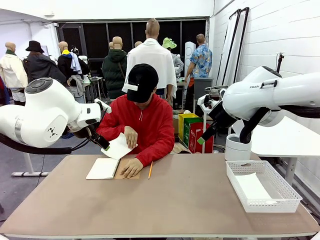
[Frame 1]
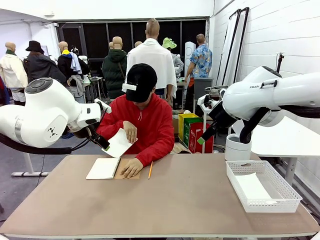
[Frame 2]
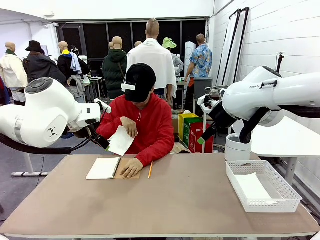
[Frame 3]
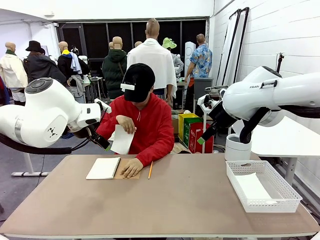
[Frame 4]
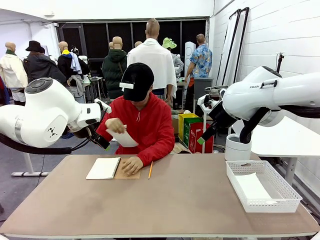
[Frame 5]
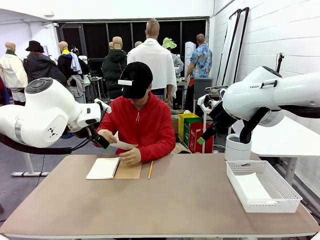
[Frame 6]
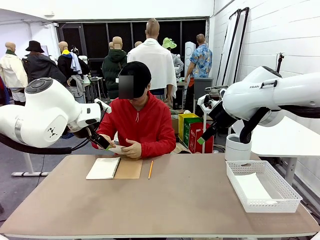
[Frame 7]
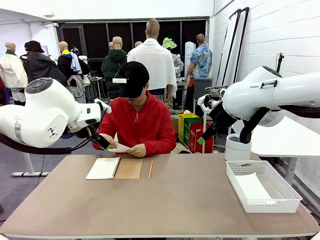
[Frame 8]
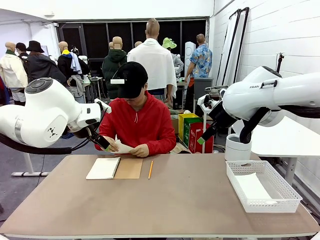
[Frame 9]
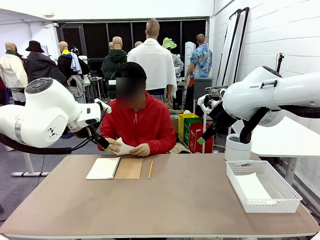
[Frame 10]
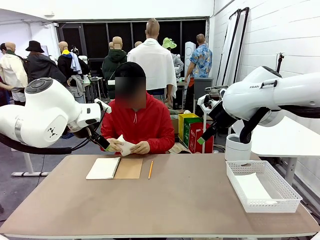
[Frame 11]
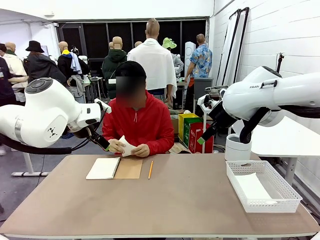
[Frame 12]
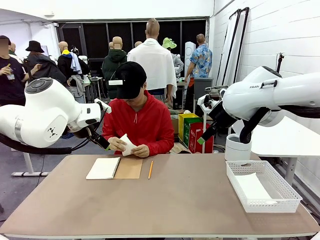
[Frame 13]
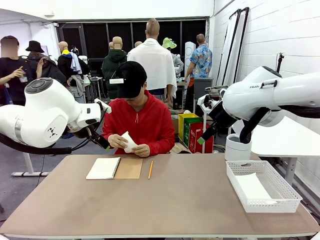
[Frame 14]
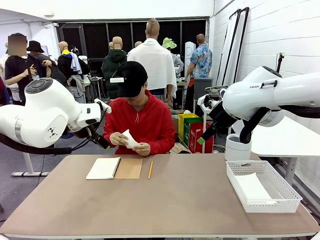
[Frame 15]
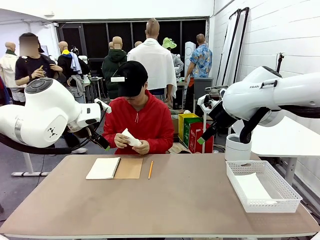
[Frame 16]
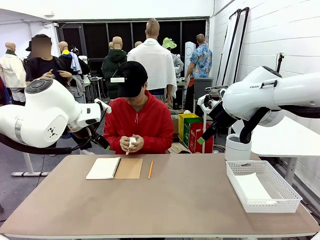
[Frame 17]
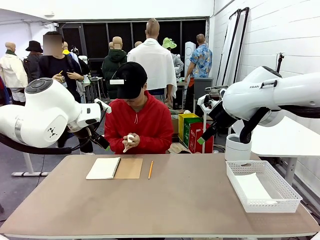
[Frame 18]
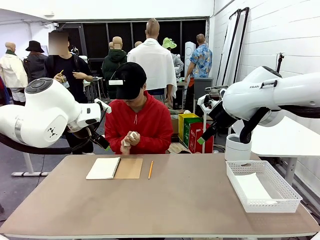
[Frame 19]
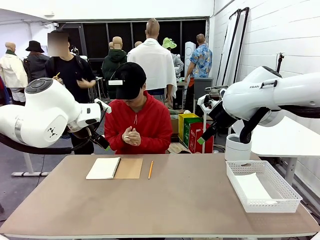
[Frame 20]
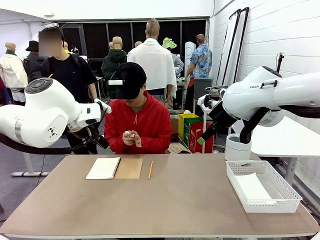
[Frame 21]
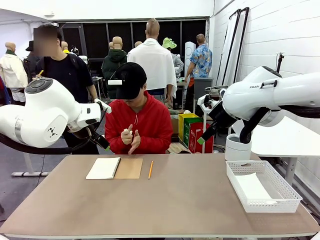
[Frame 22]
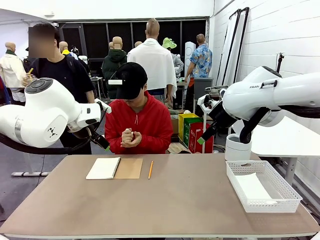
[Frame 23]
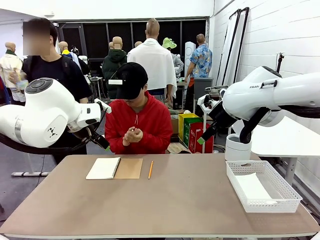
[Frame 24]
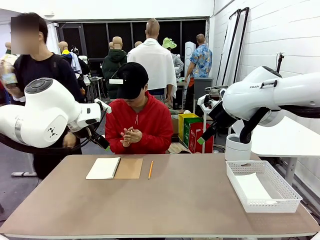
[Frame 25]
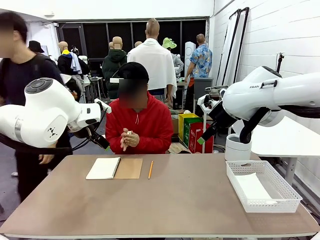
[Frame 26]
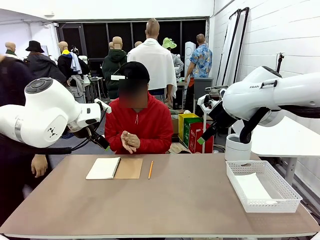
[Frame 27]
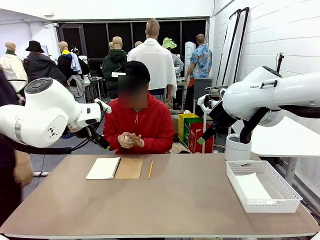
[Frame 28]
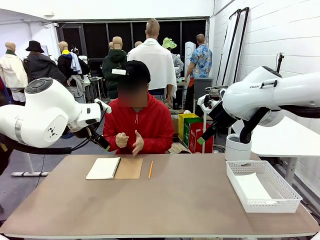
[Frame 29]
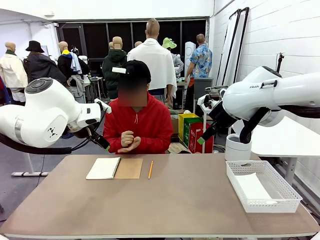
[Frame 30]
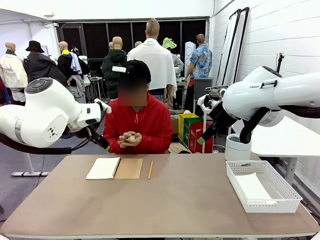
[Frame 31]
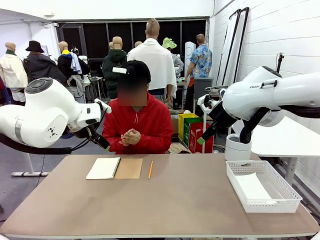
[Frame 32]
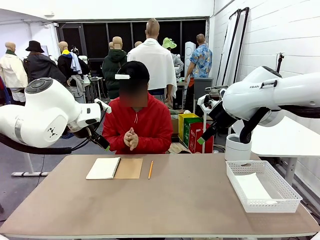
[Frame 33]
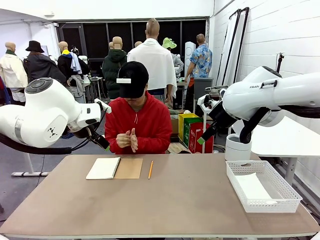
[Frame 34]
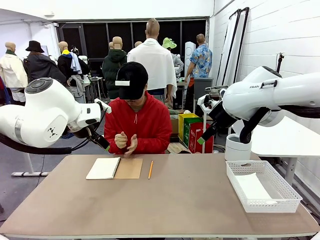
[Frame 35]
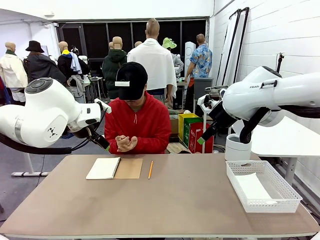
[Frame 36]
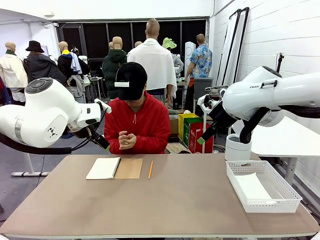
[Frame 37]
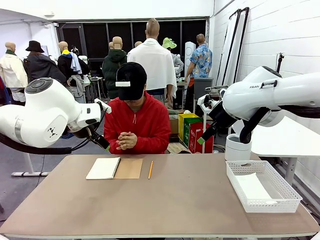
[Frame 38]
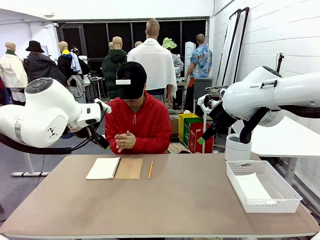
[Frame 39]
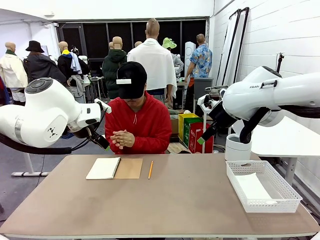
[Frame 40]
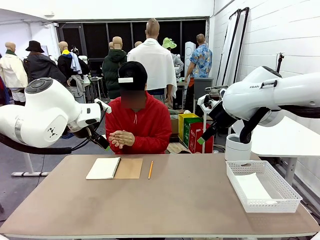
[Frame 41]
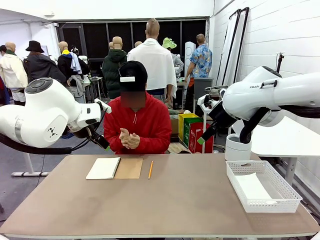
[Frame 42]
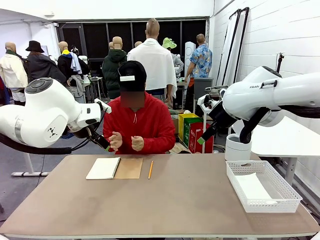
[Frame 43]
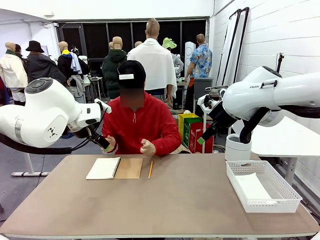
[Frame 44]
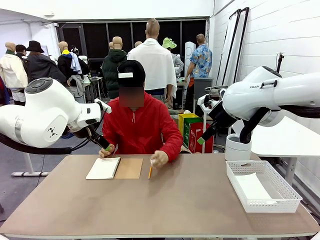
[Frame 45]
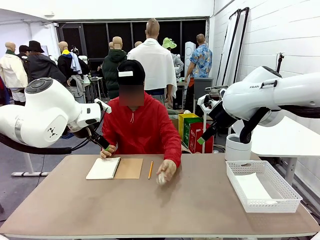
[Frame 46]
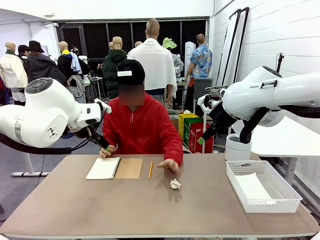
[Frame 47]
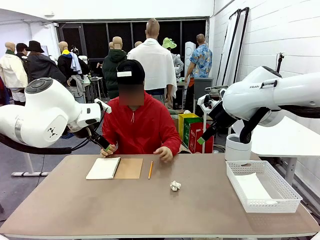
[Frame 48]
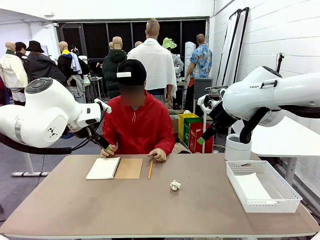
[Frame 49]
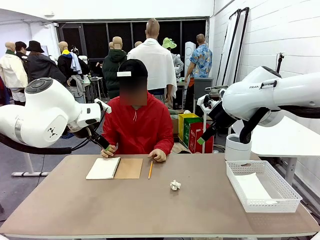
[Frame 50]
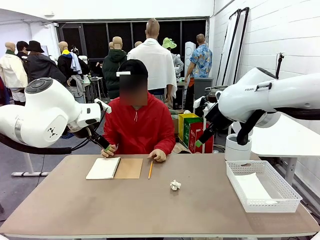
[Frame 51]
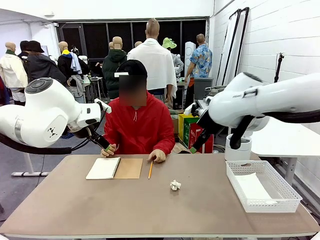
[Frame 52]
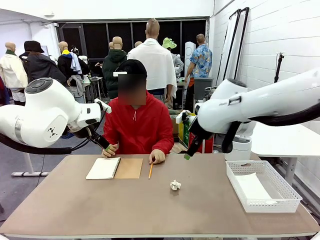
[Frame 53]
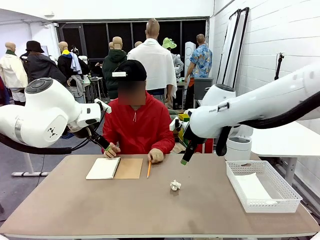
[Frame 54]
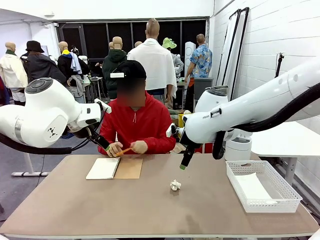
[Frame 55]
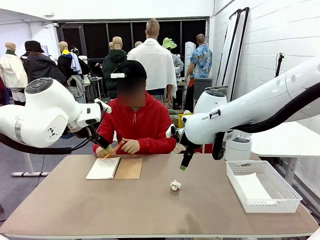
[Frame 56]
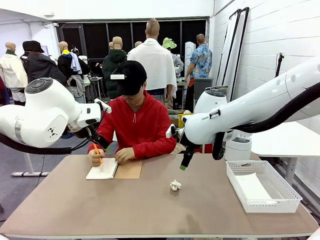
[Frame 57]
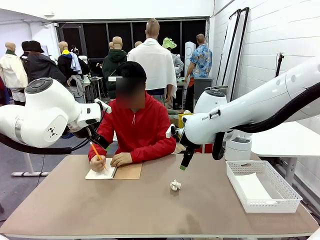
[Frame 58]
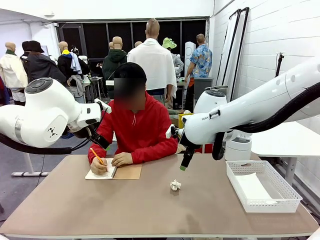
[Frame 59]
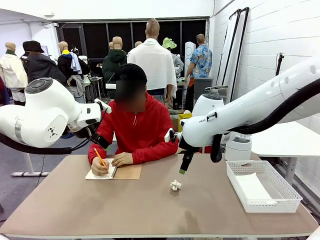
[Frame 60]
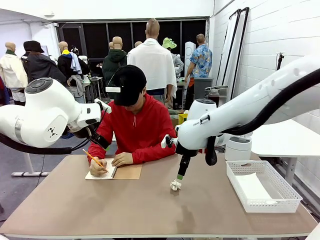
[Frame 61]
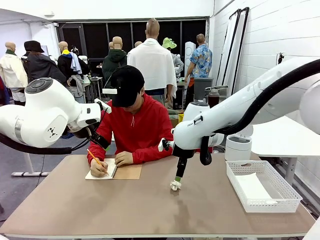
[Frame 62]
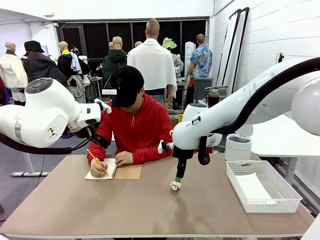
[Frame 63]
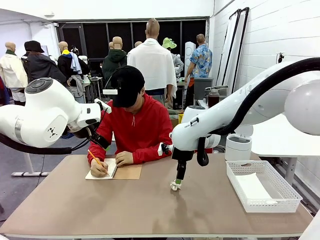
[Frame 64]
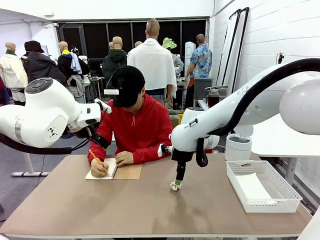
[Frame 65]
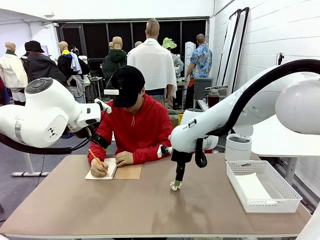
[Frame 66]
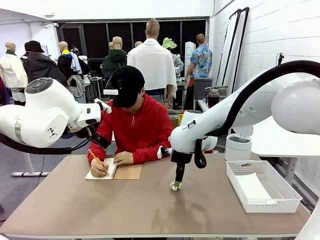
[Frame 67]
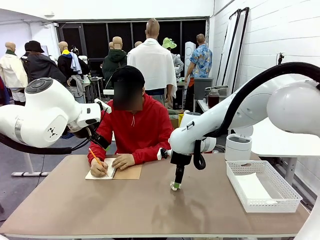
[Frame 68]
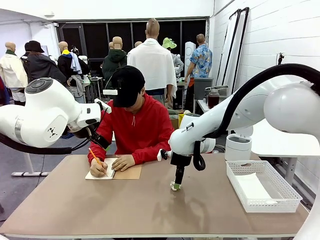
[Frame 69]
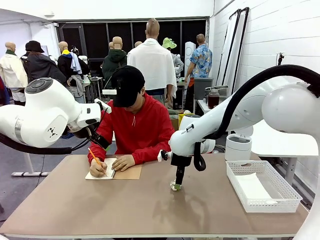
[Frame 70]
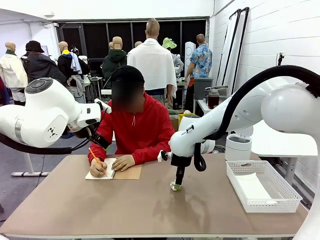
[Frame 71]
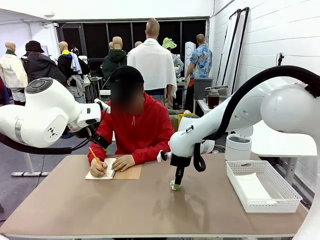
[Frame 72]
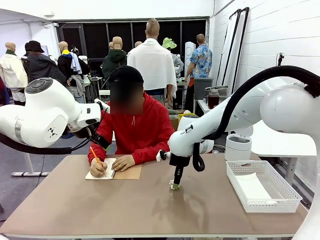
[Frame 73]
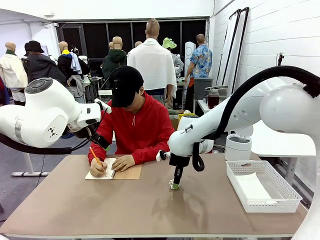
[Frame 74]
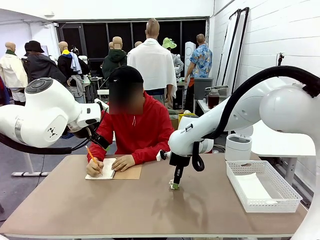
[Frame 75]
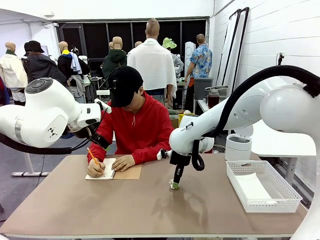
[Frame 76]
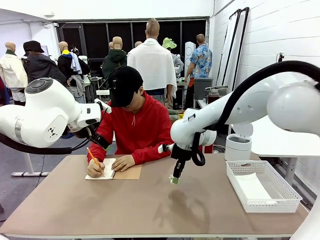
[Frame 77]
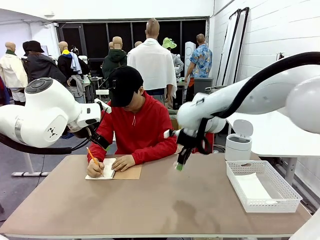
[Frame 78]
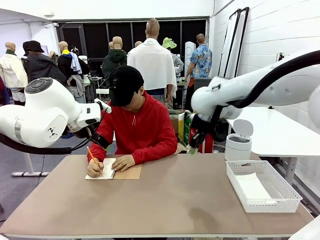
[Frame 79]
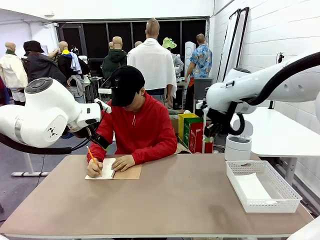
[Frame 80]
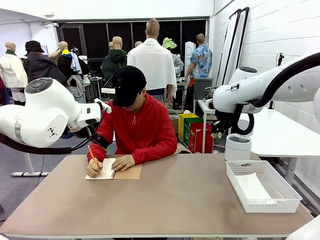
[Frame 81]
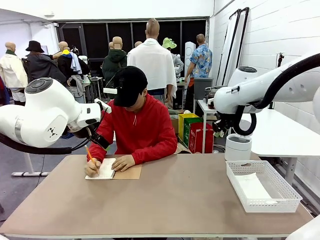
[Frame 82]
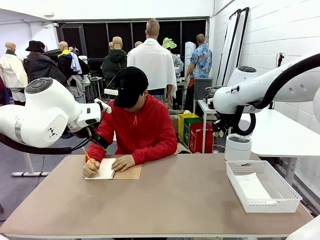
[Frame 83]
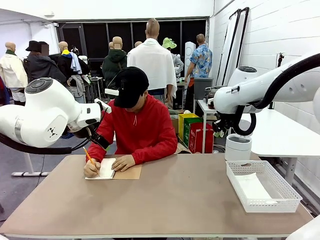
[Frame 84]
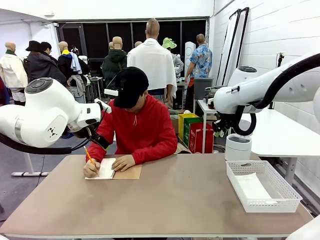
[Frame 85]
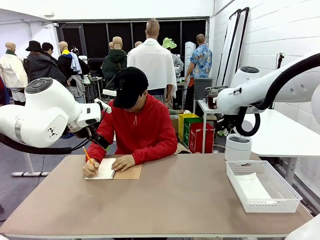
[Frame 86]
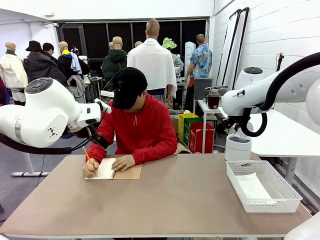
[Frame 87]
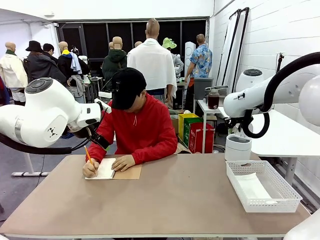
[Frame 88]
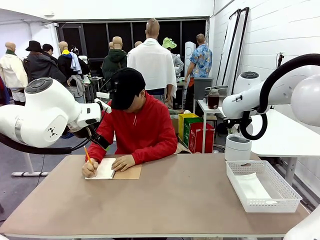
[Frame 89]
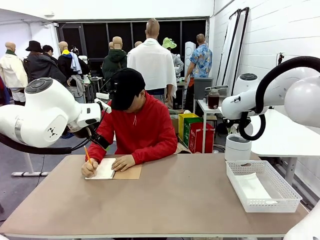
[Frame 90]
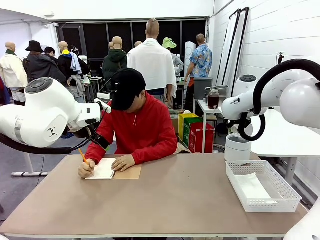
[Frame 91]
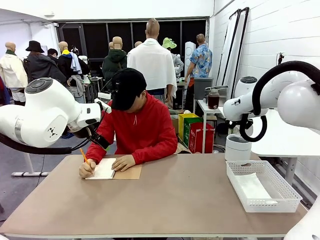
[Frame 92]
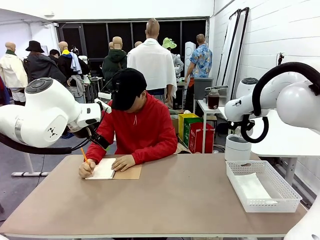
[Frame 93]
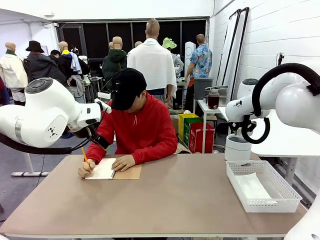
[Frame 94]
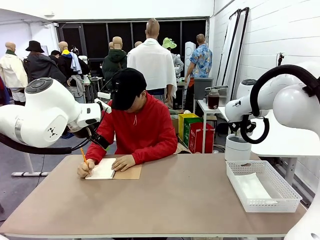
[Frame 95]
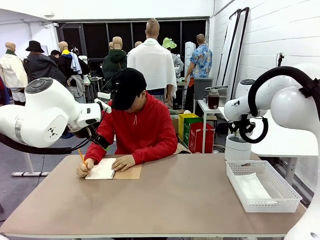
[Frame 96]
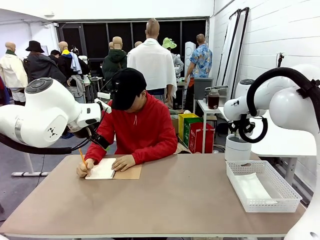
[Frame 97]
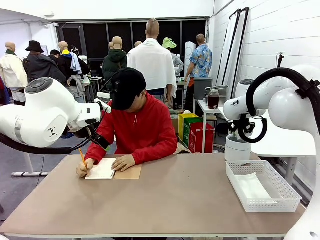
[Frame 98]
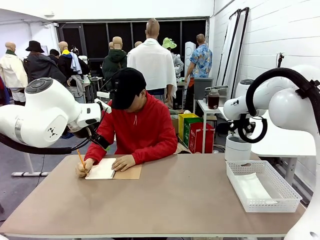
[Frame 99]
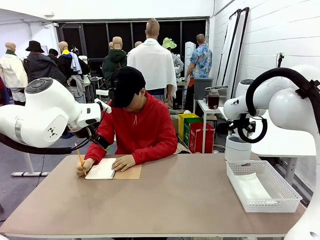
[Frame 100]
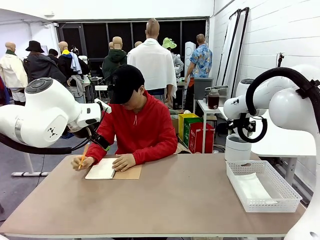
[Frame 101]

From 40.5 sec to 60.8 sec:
Task: Sort the paper based on its condition.
Robot: If a person hands you a paper, place it in the Organizing basket , and if it's crumpled, put it in the Trash can.
Person: Hand the torn page to the robot or crumple it and throw it to the center of the table. Tear out a page from the spiral notebook.
